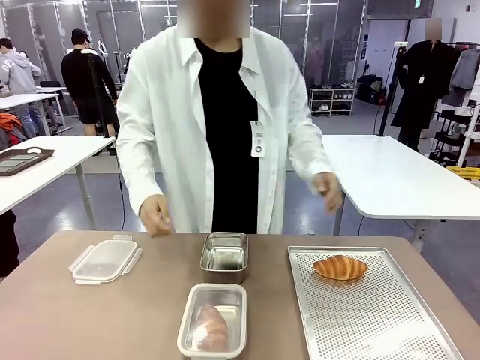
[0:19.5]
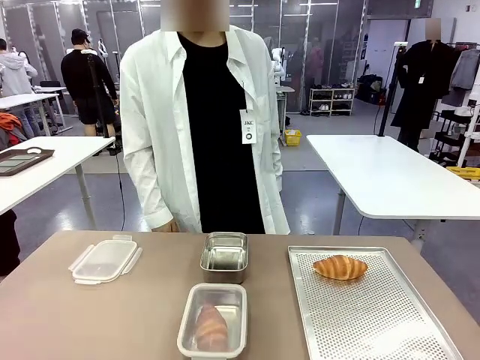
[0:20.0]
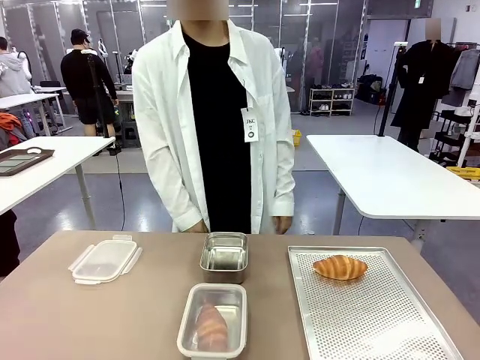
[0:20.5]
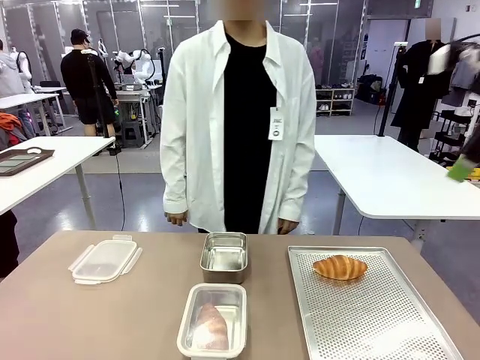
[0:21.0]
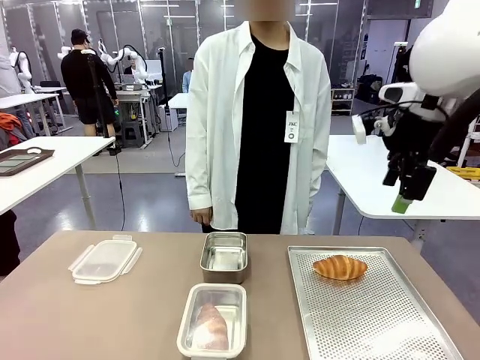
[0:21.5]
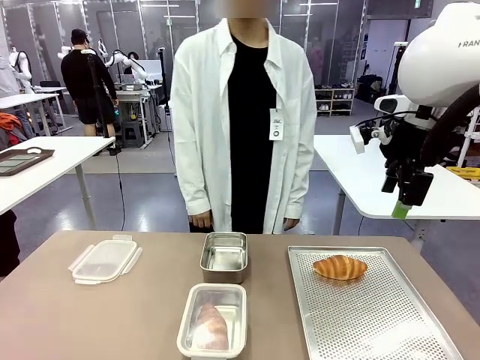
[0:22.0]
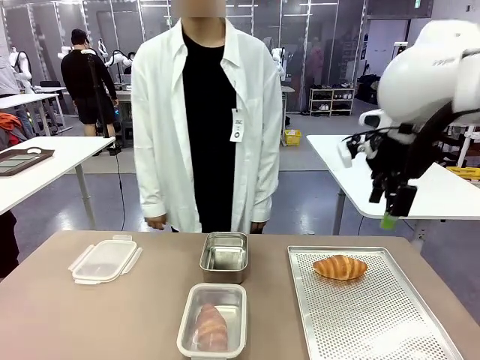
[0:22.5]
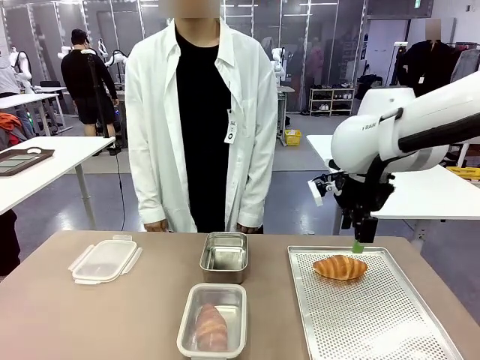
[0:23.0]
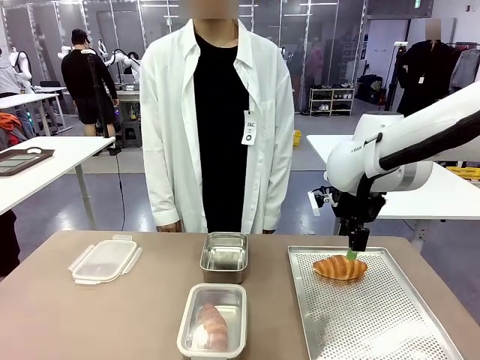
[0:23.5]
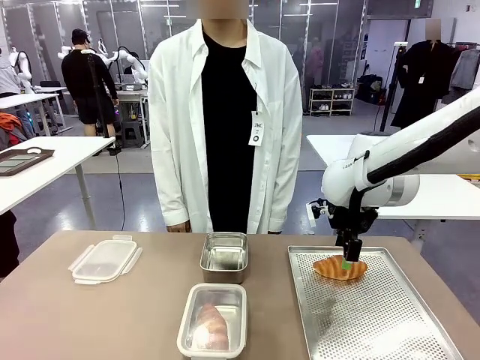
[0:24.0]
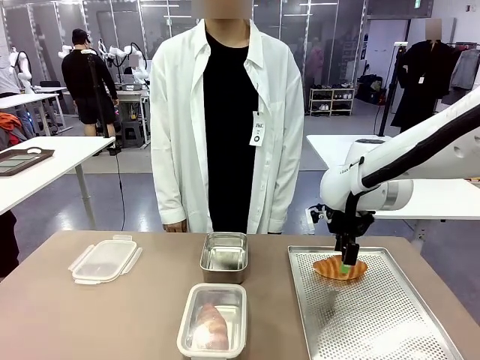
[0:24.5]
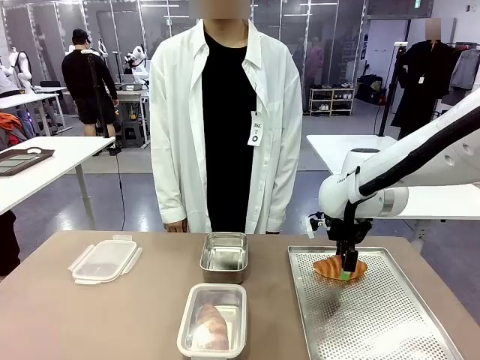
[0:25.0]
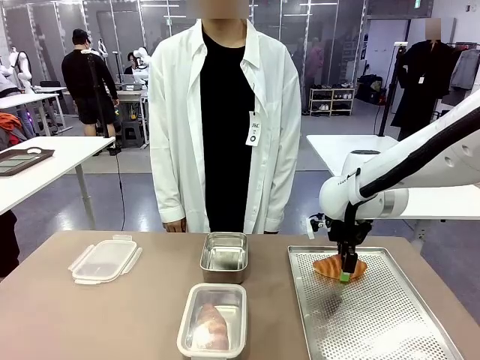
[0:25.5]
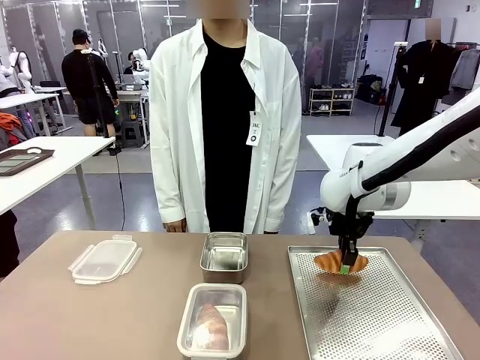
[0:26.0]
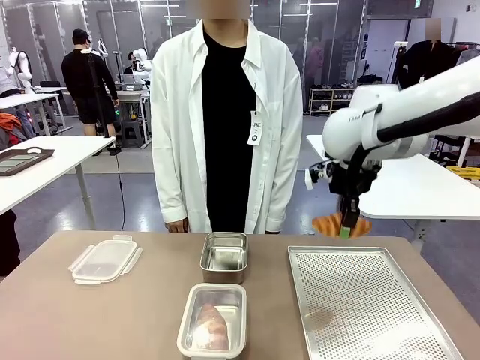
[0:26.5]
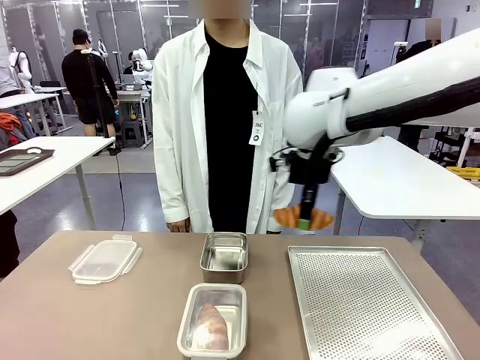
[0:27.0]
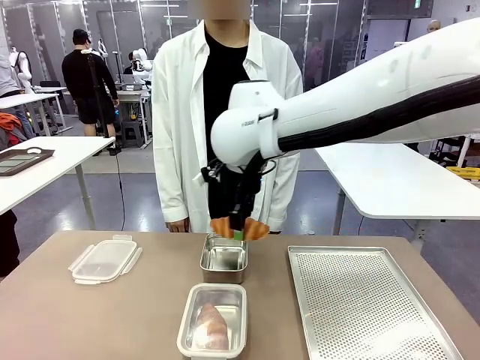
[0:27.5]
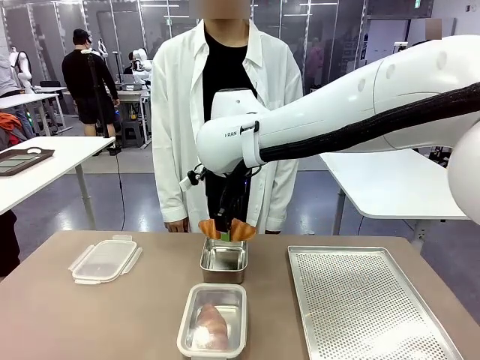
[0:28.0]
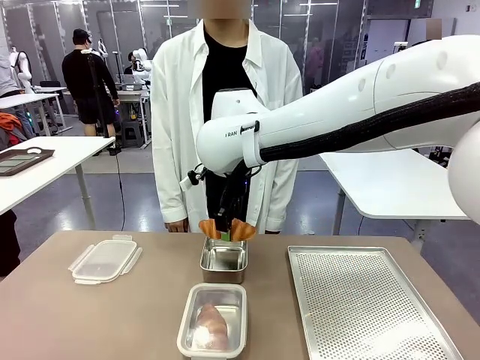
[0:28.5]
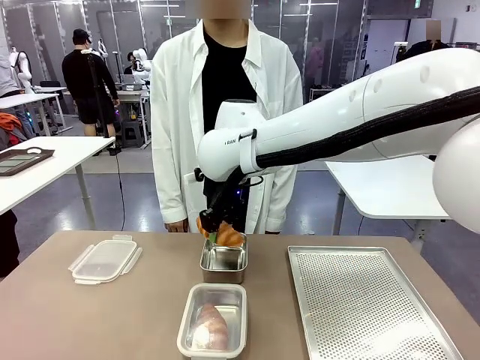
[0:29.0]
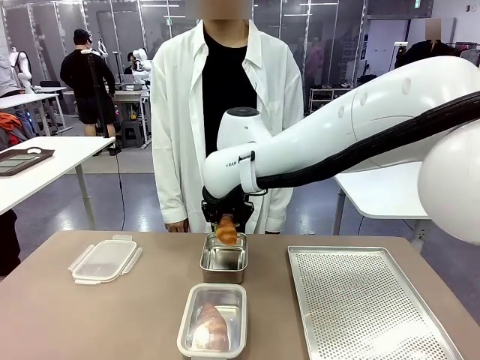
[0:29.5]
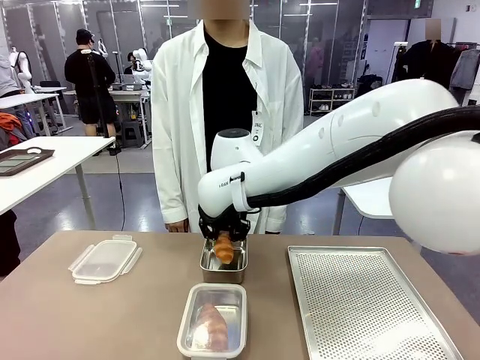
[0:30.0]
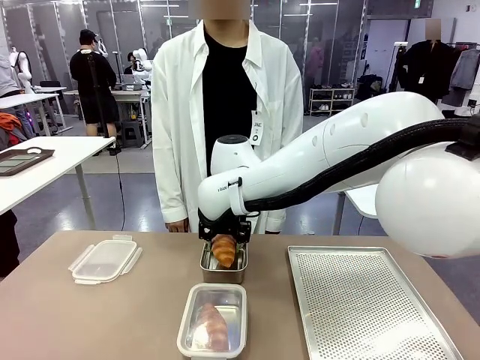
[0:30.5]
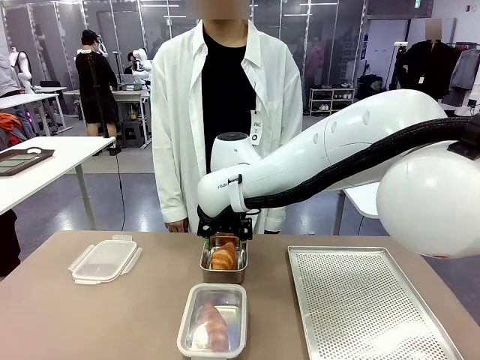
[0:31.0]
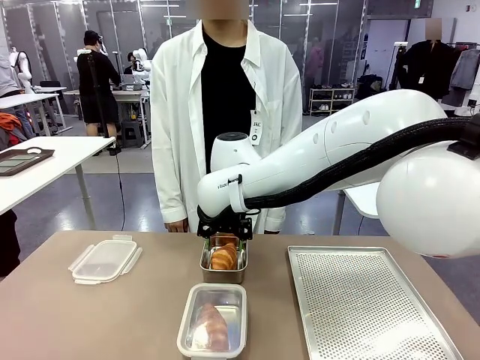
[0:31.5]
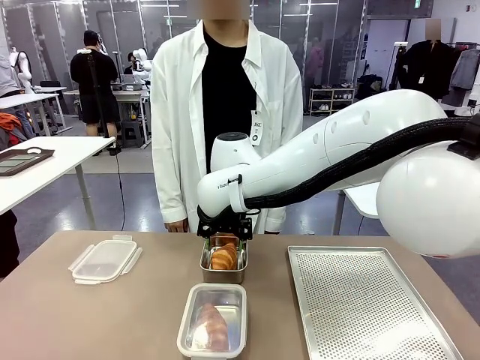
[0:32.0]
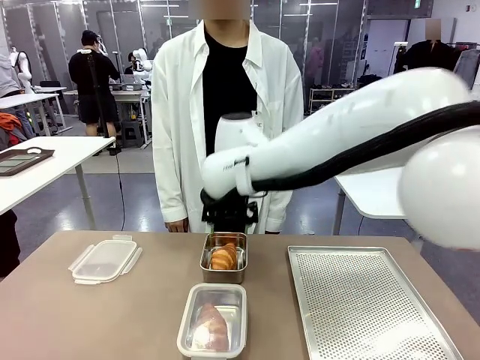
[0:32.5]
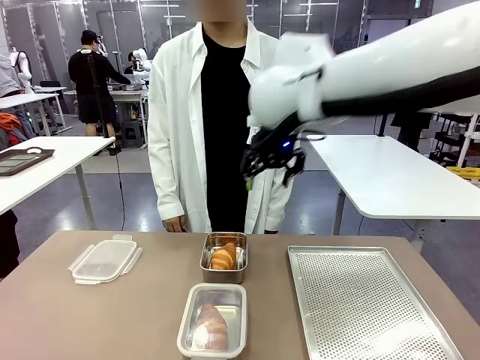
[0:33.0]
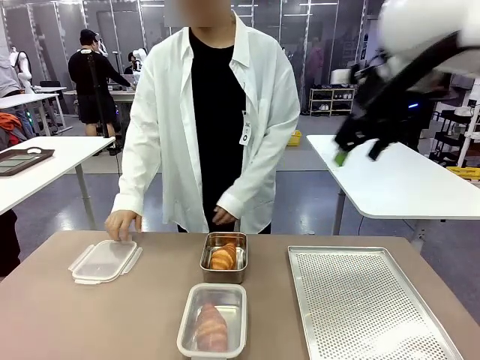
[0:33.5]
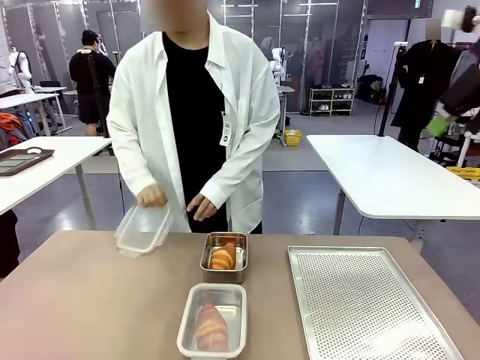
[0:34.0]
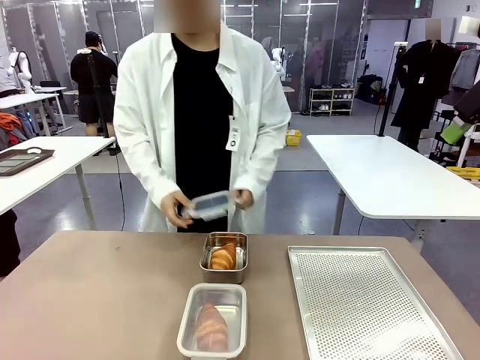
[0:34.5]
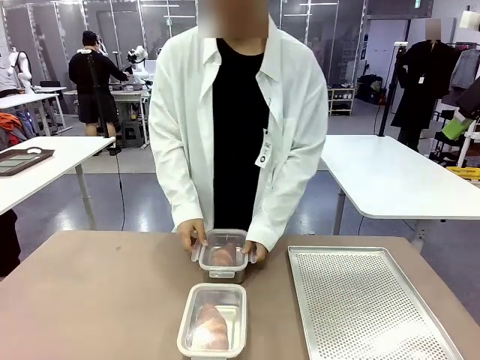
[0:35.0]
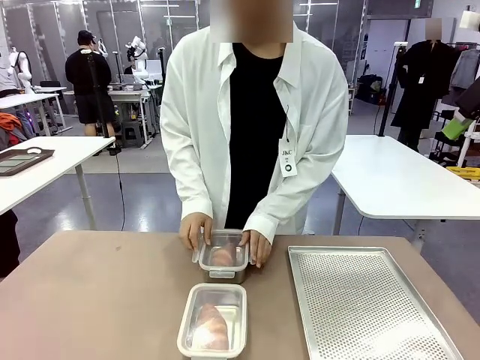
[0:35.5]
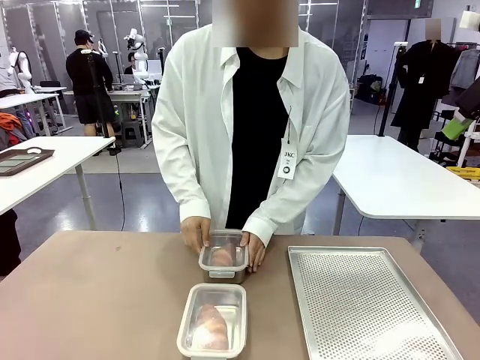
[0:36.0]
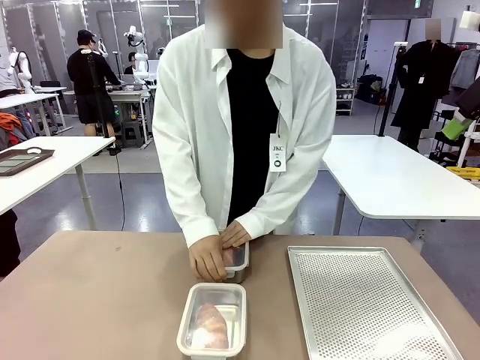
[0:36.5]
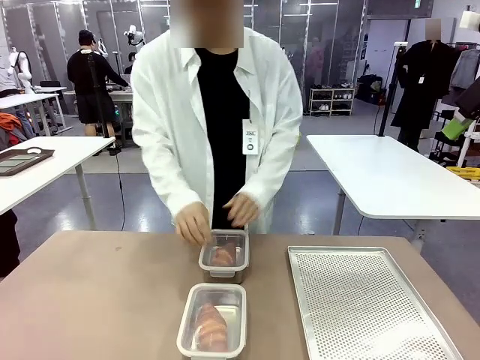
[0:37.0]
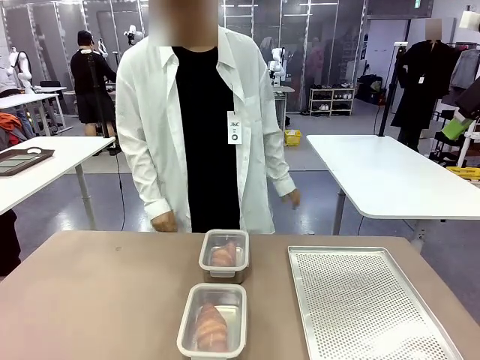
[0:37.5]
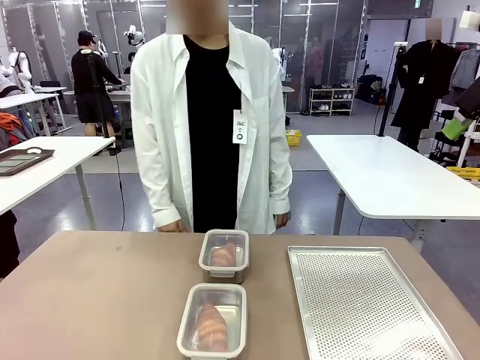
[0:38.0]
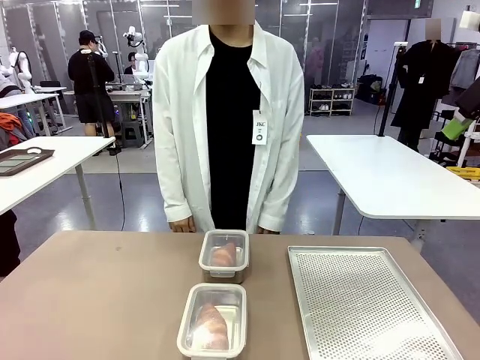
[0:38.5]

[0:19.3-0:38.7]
Task: Place the bread into the airtight container.
Robot: Pick up a Butter Roll and place it into an empty Airtight Container.
Person: Once a Butter Roll is inside an Airtight Container , close the lid of that Airtight Container.

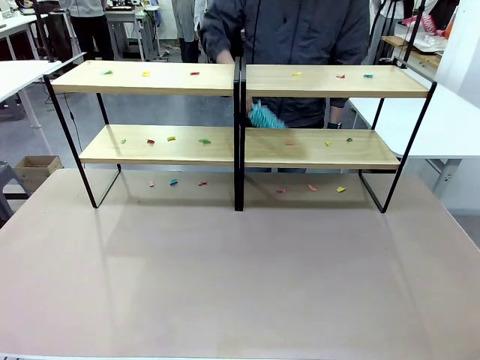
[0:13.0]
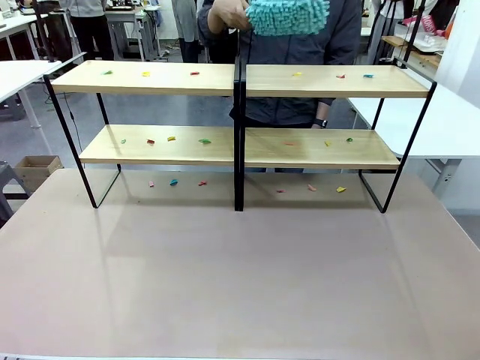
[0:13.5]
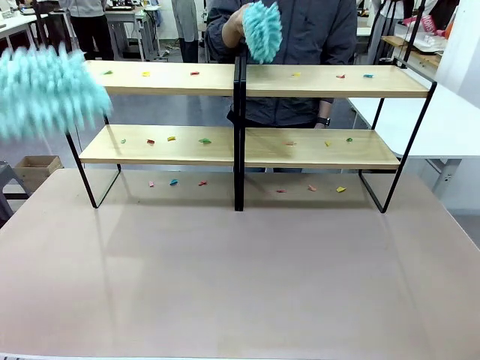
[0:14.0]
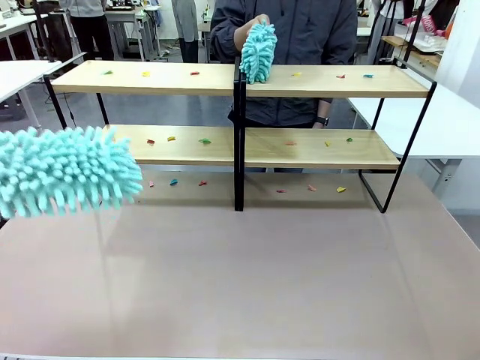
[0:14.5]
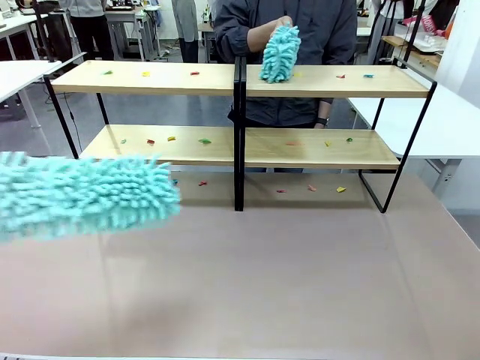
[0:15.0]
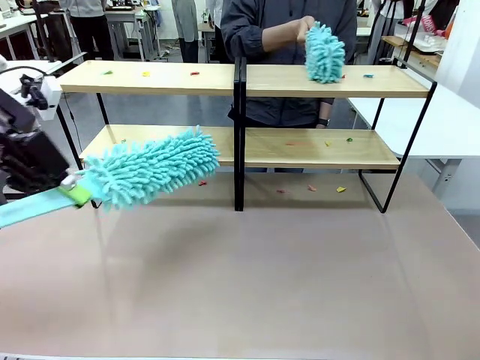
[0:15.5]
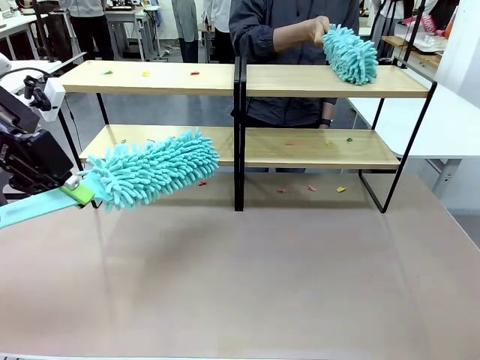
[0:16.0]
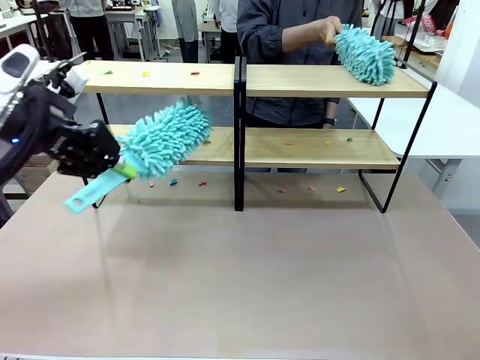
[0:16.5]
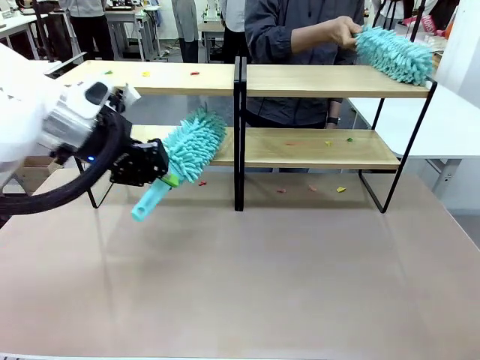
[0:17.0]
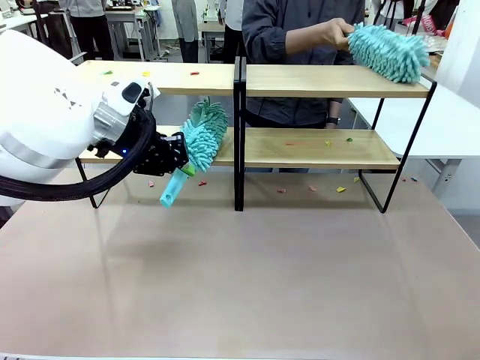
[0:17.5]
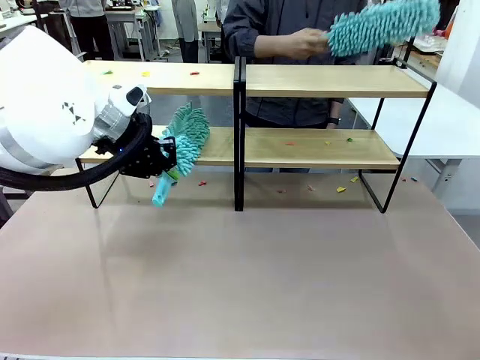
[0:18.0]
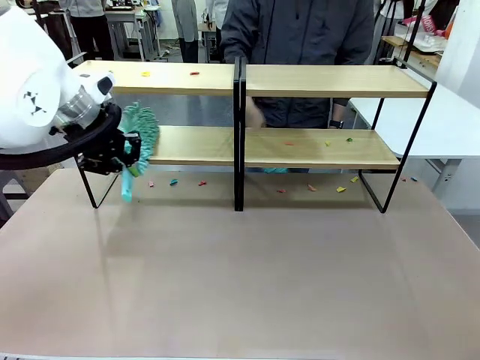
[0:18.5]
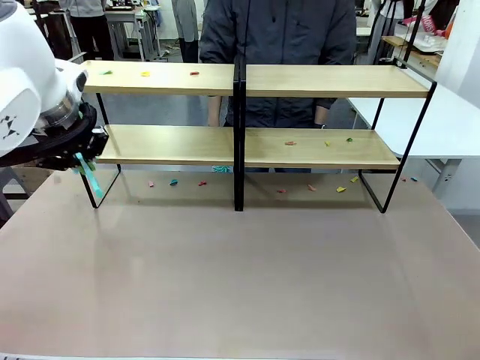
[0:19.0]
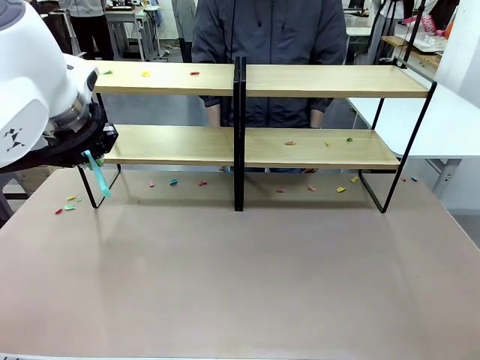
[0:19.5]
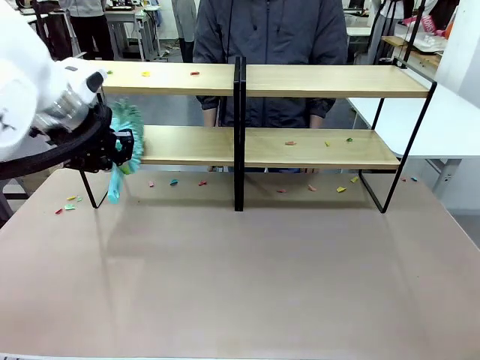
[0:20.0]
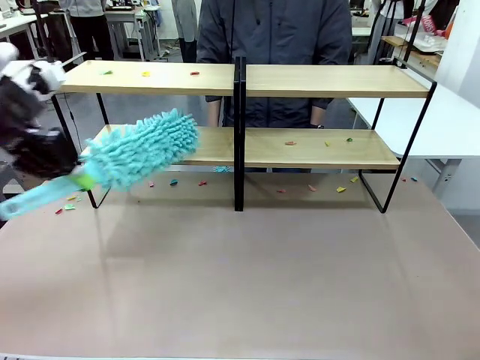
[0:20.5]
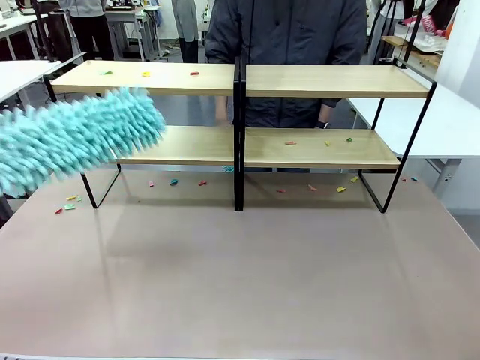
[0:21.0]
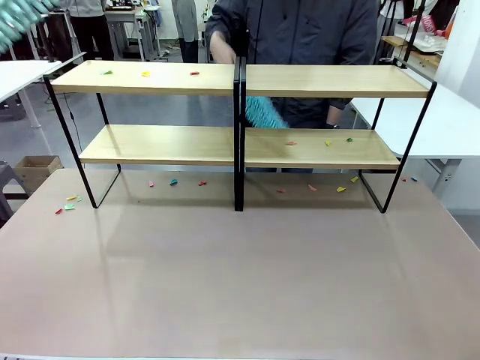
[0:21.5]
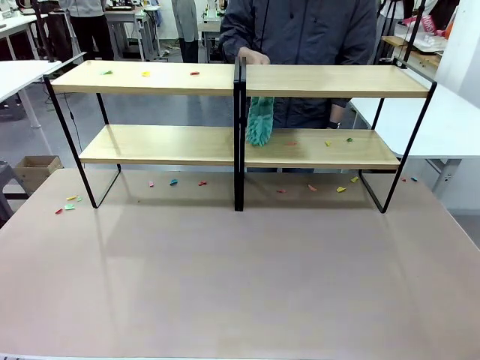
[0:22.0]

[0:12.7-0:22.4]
Task: Clean the shelves.
Robot: Clean a randomly selected level of the Shelf with the Duster.
